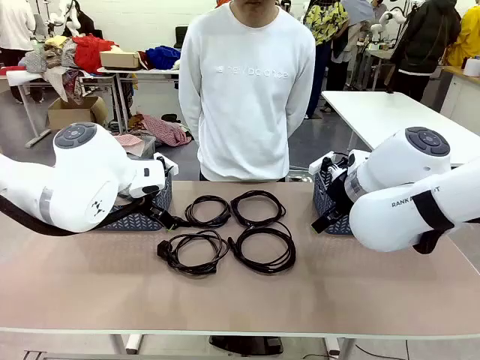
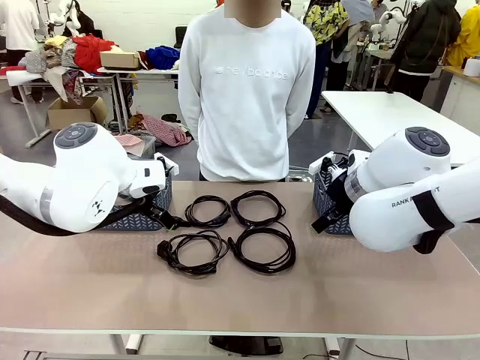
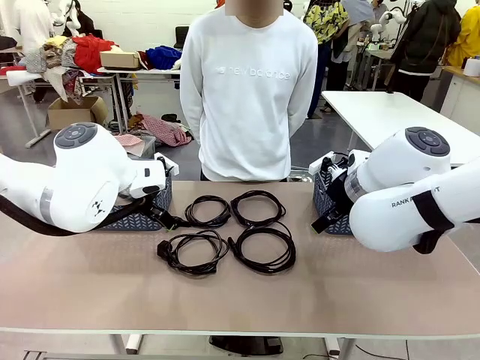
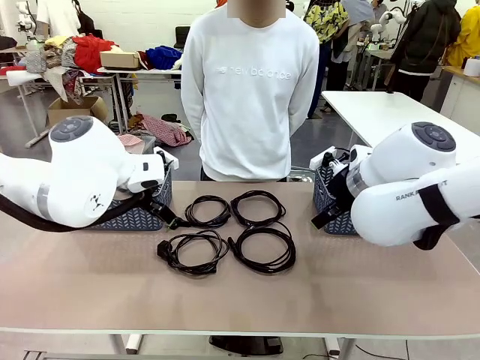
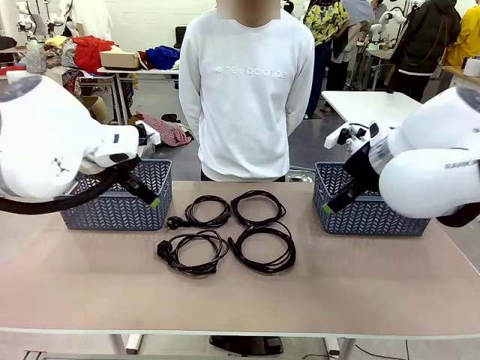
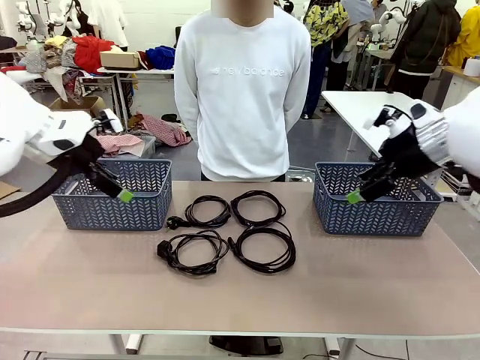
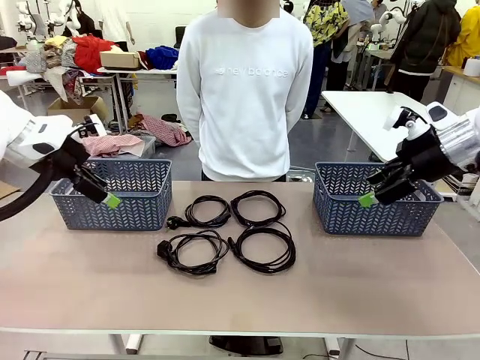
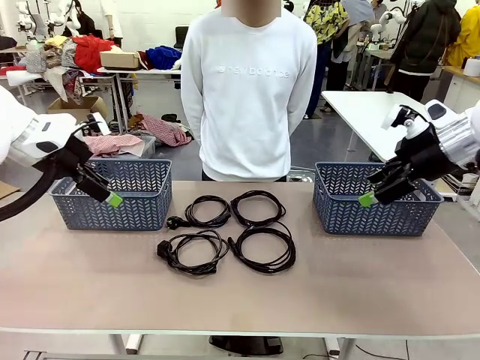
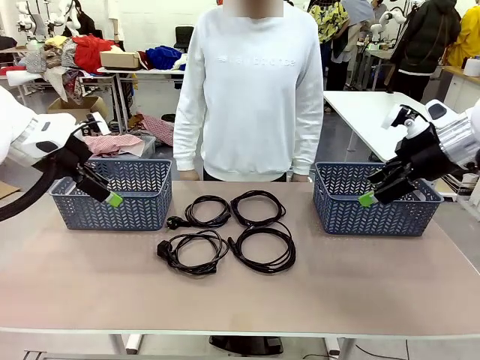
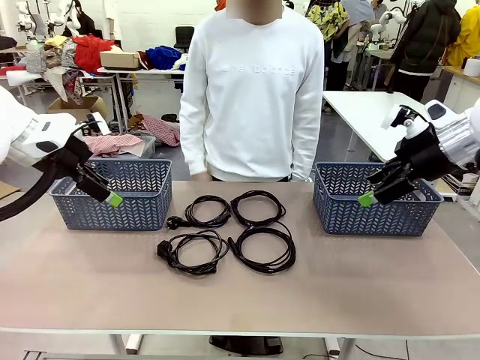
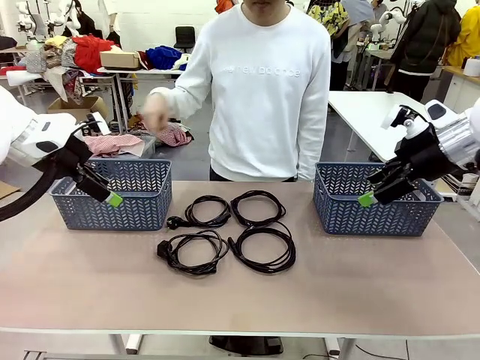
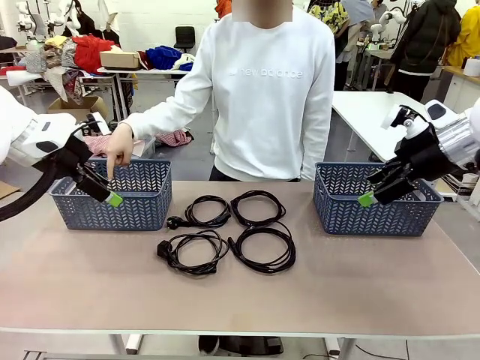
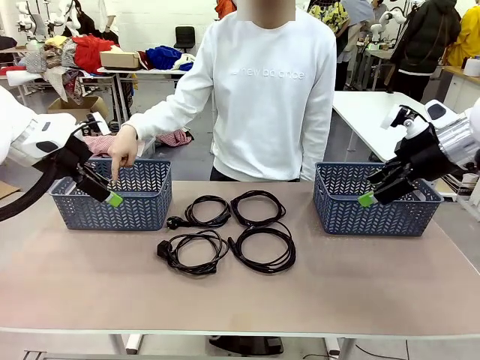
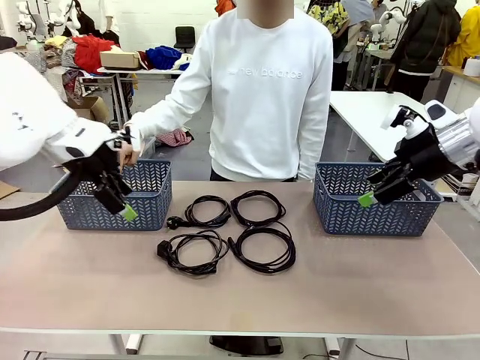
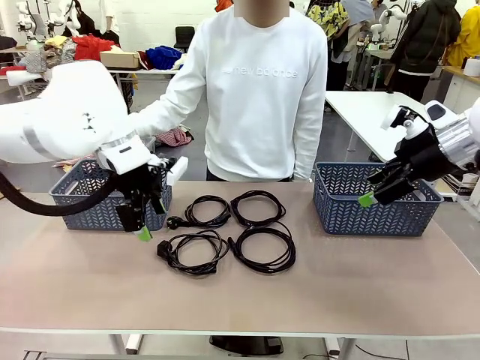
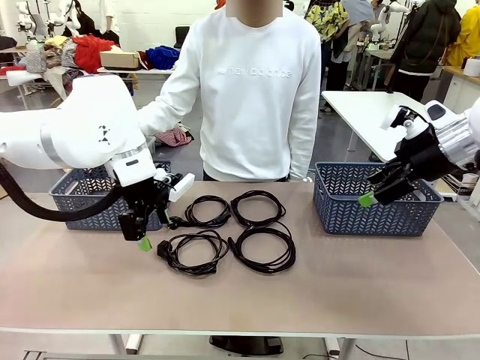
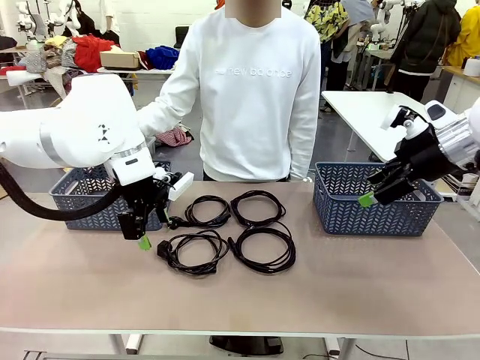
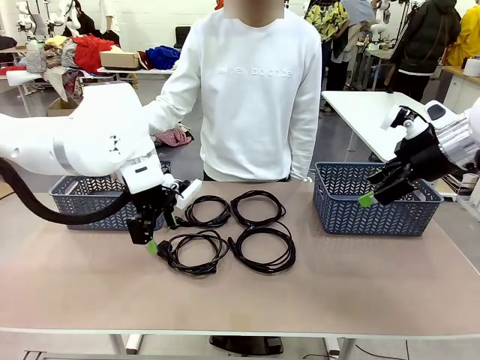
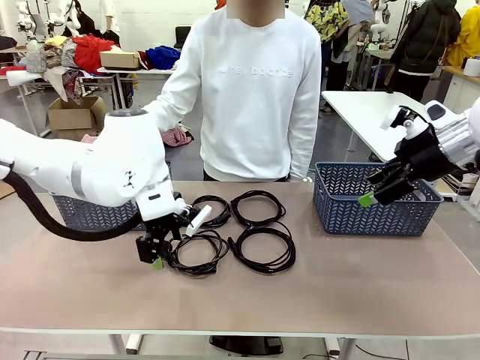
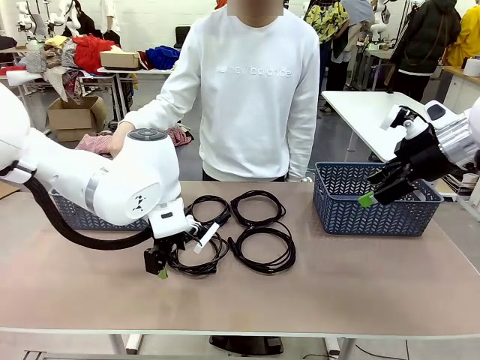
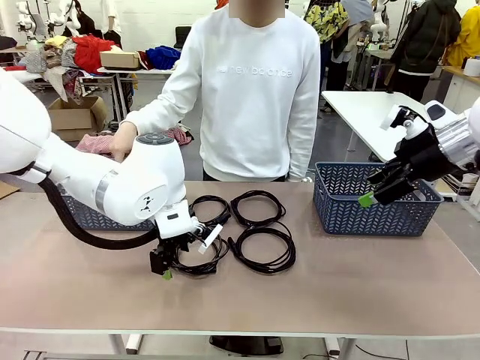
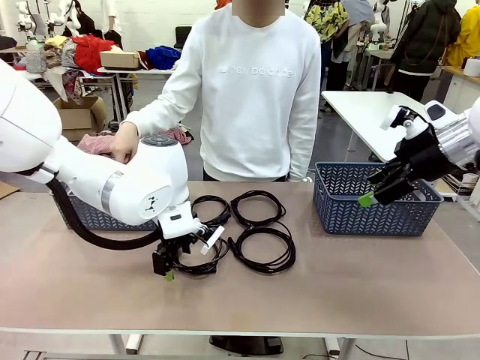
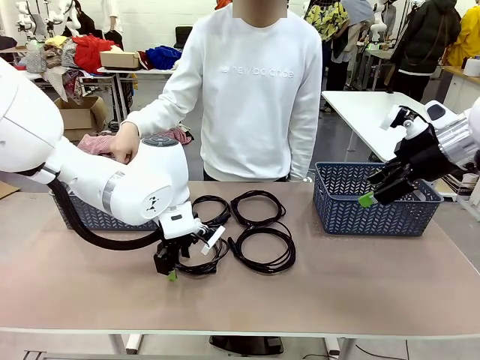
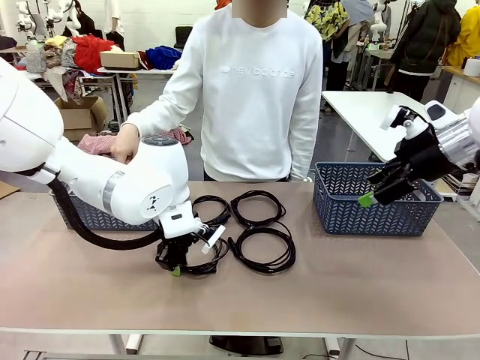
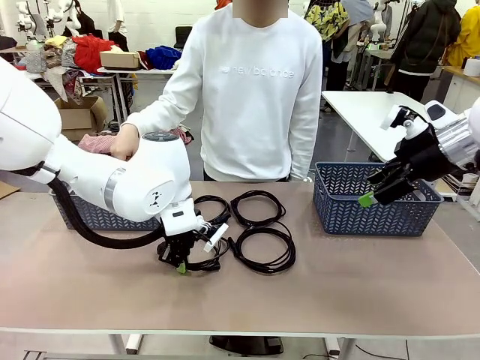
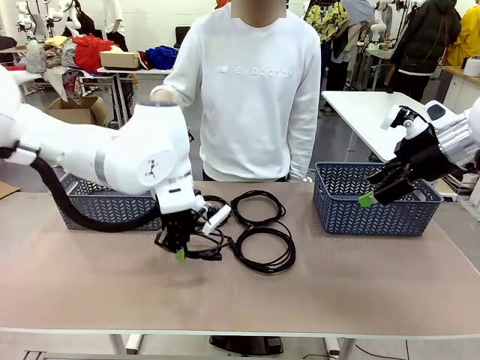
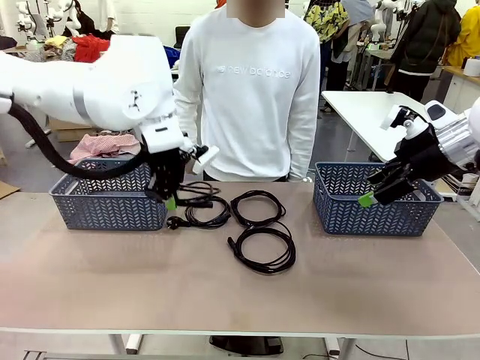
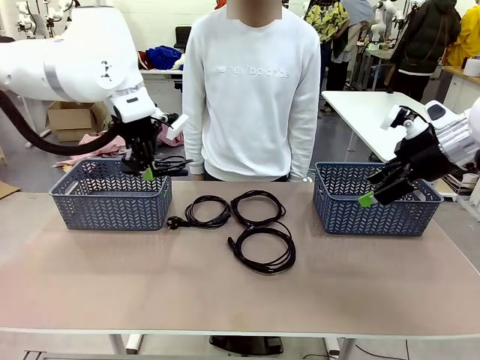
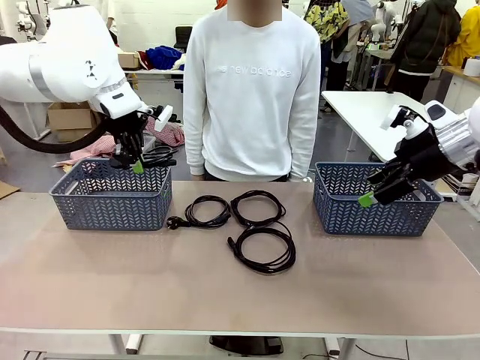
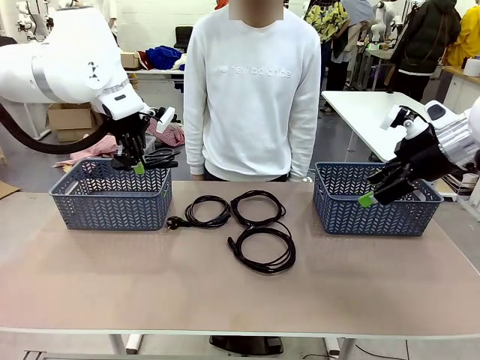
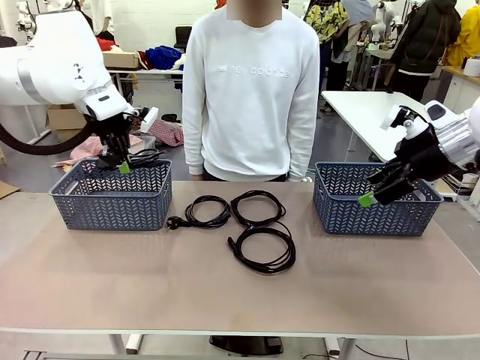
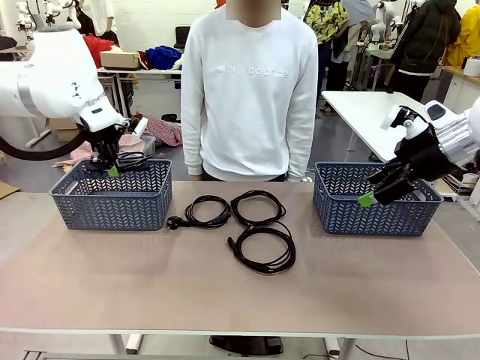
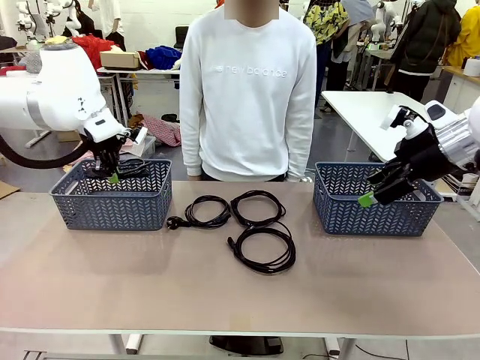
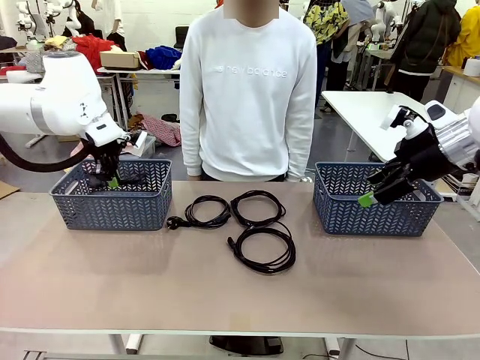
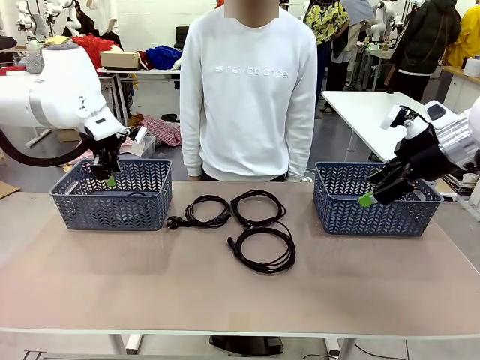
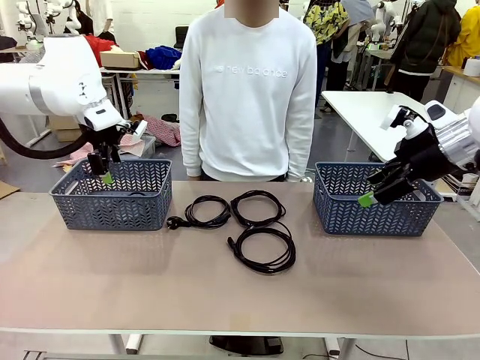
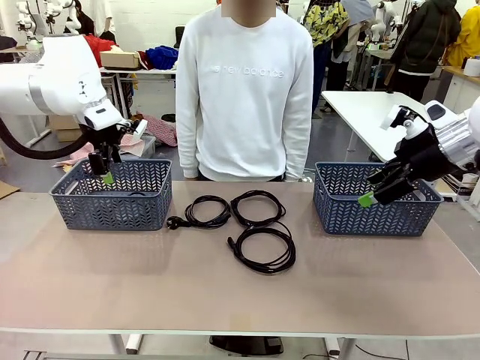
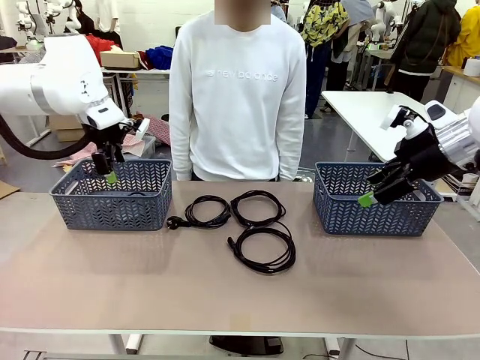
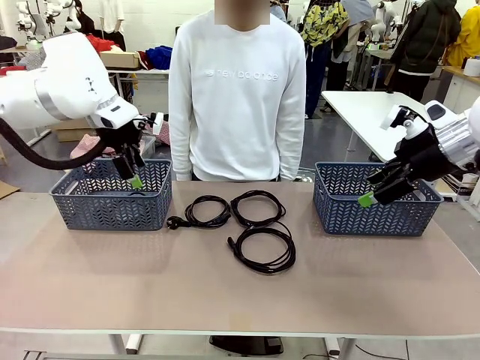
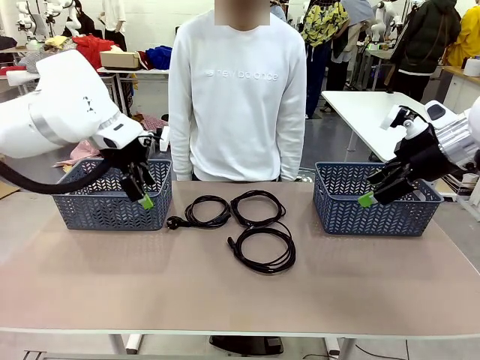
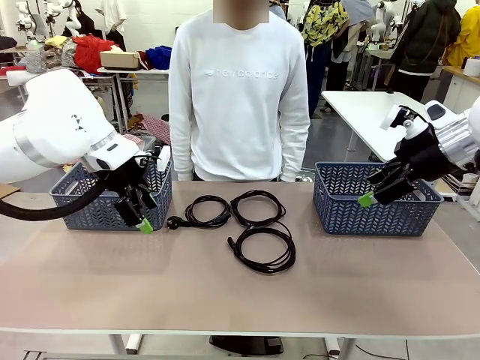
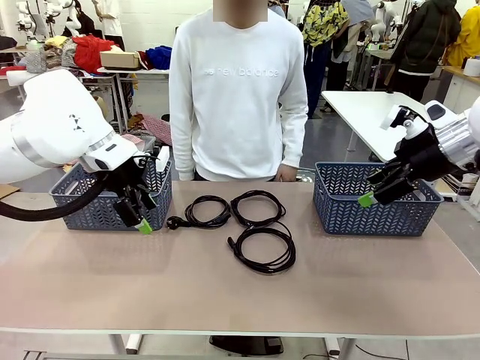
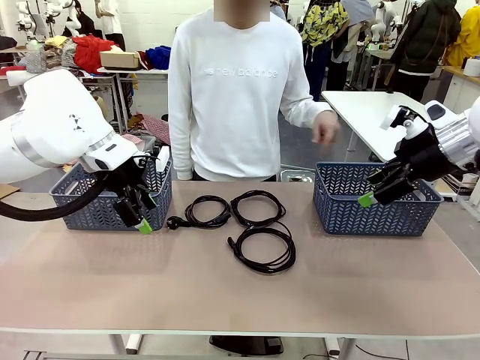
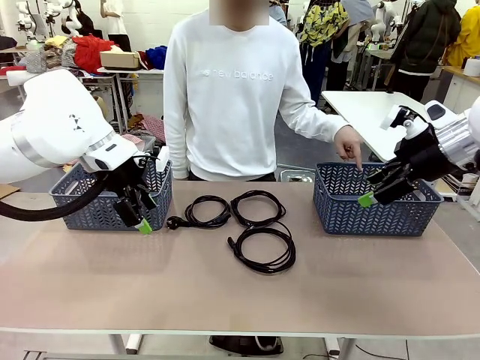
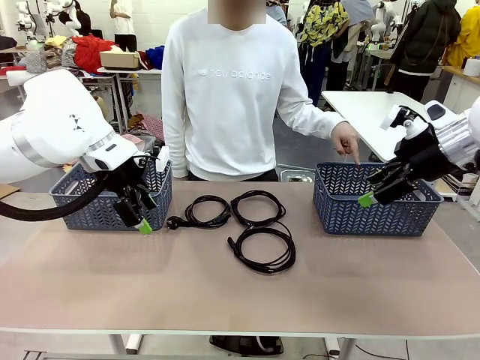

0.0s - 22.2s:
Task: Organize the cables according to human instructions.
Robot: Pick up a bundle of cables and place it in the basket indicated by the human.
